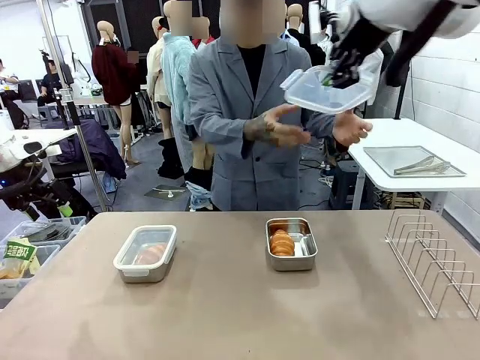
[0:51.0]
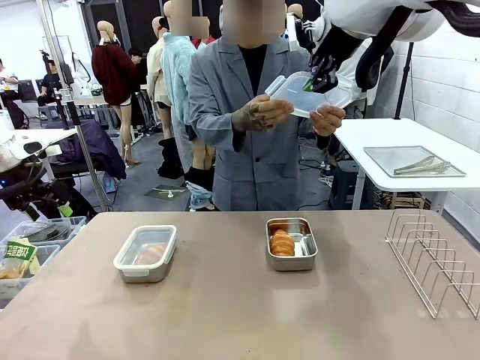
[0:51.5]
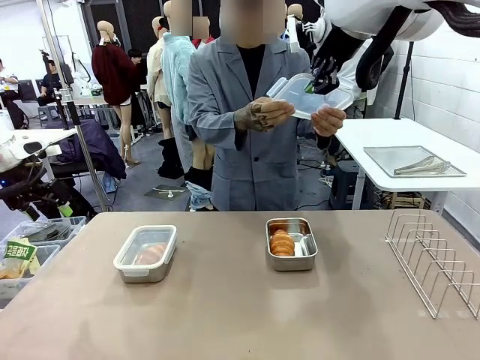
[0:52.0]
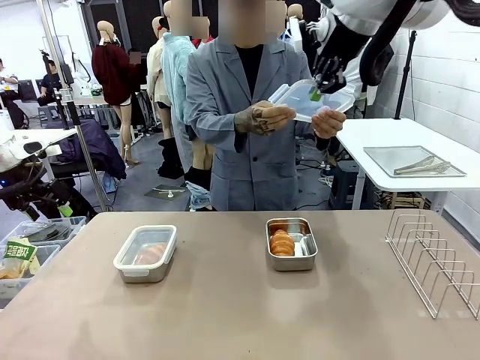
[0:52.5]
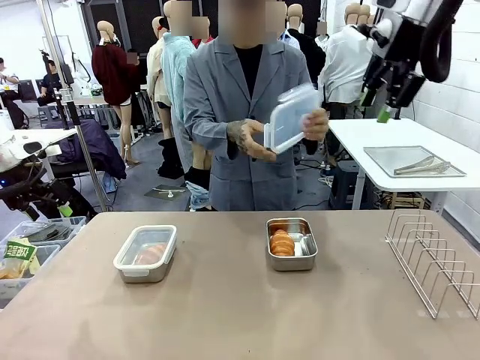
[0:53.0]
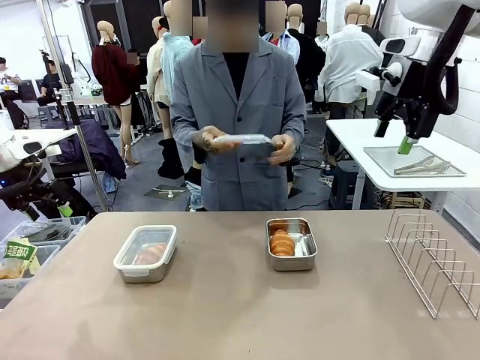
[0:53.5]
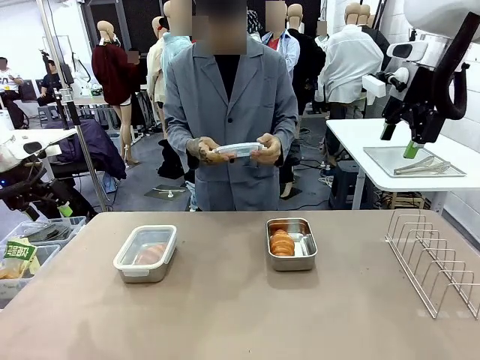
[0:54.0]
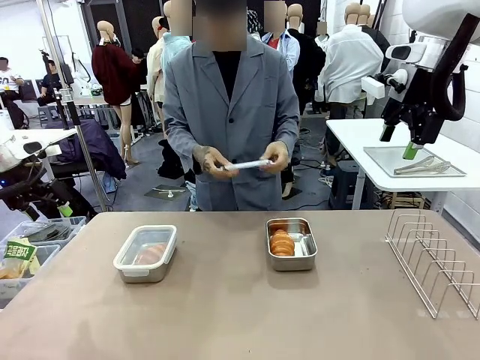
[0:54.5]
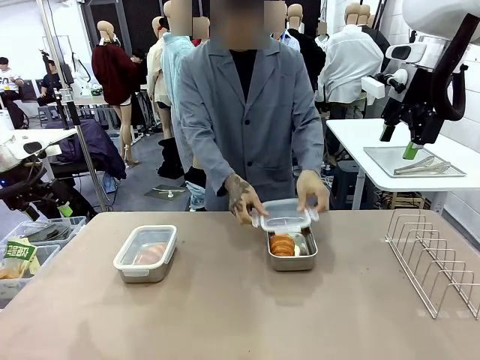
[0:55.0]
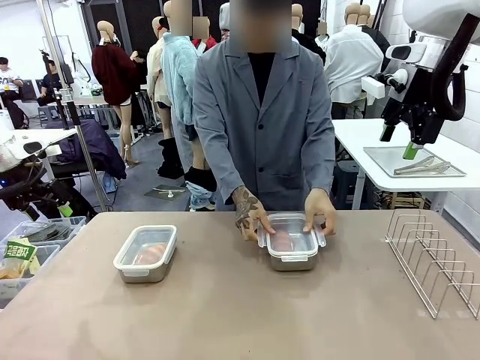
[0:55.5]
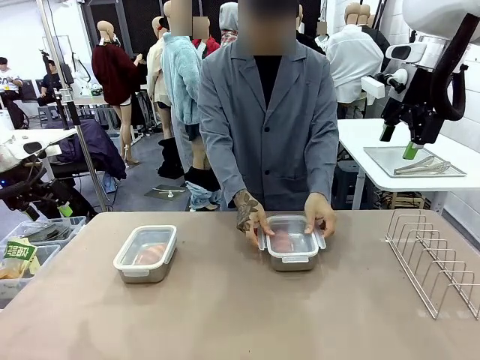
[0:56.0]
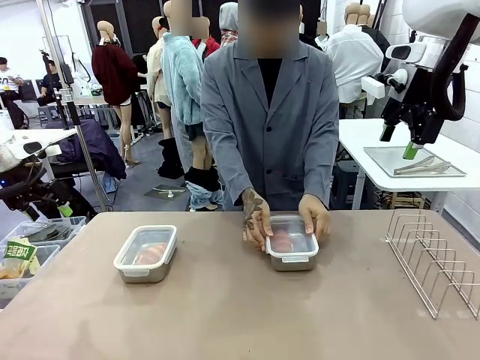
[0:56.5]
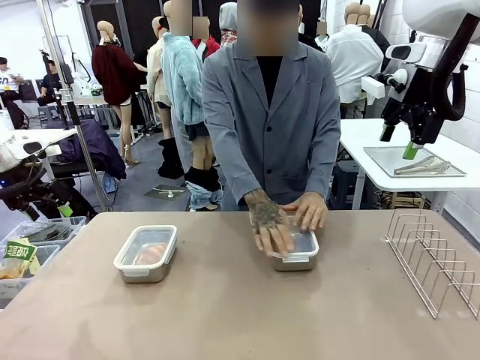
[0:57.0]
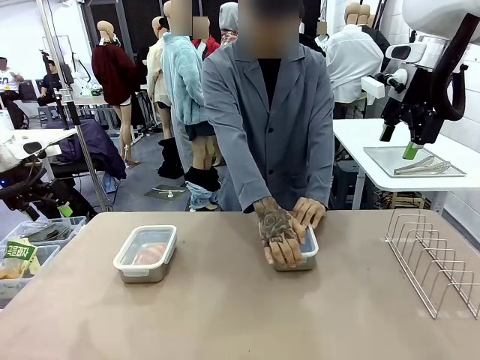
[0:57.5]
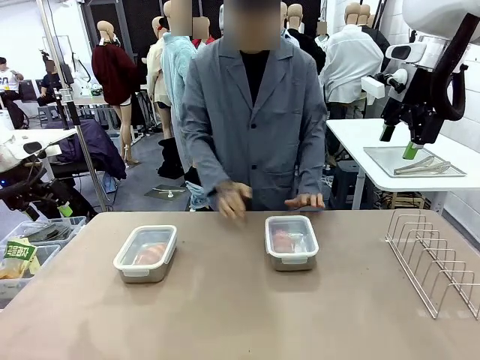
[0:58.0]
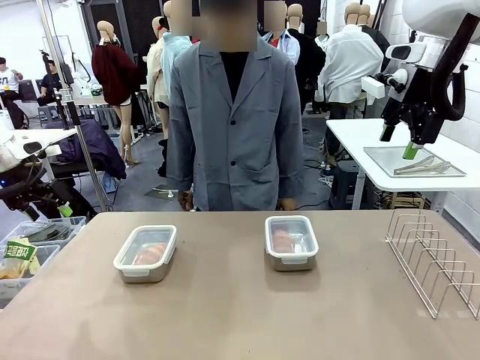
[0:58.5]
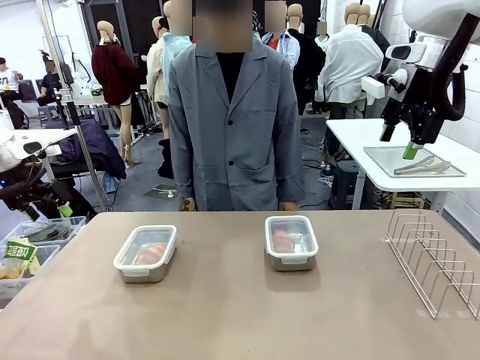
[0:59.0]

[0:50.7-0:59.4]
Task: Place the bread in airtight containers.
Robot: Release when the human grabs the Airtight Container lid.
Person: Close Airtight Container with a handed Airtight Container lid.

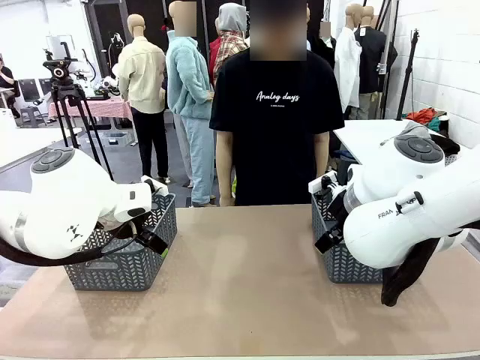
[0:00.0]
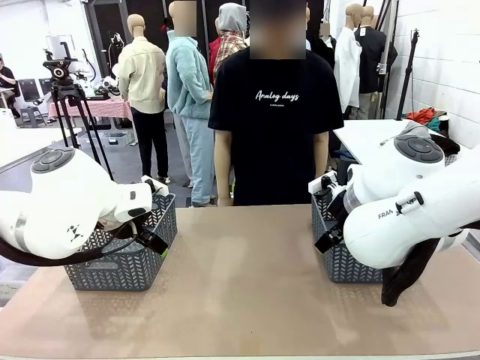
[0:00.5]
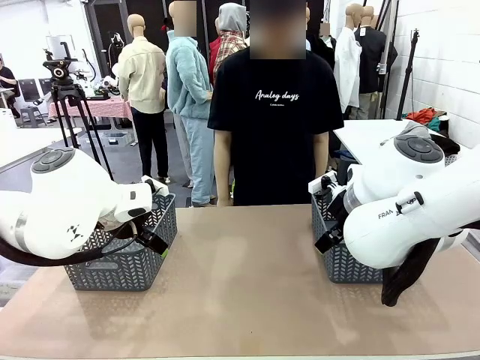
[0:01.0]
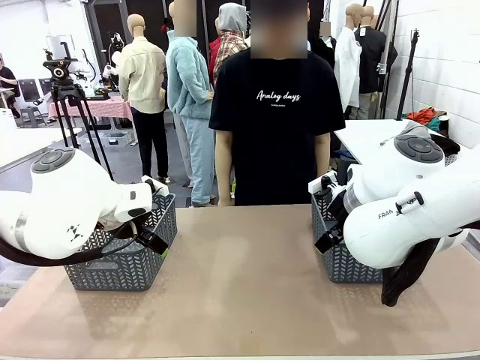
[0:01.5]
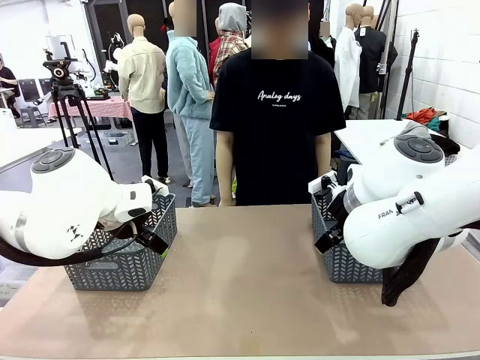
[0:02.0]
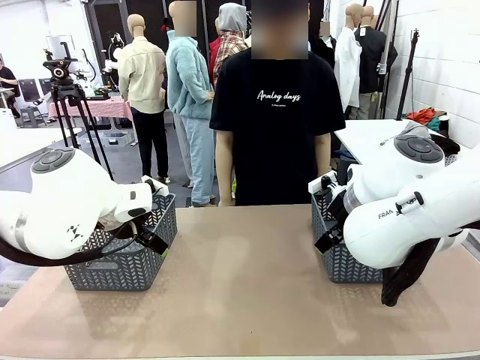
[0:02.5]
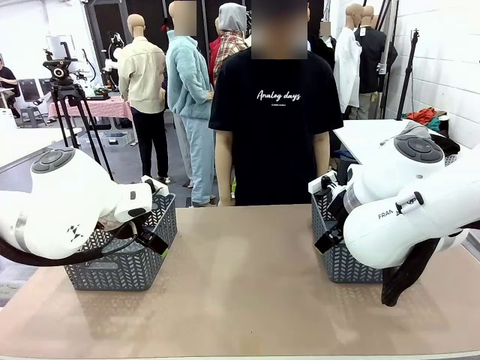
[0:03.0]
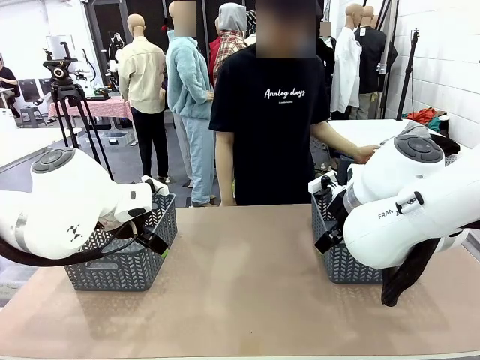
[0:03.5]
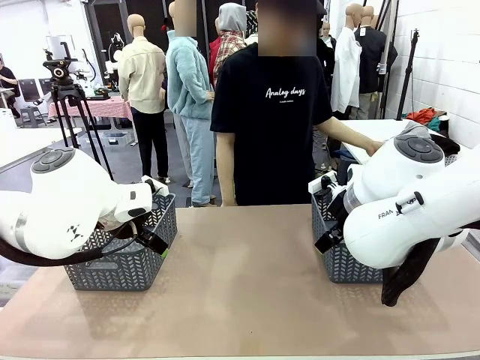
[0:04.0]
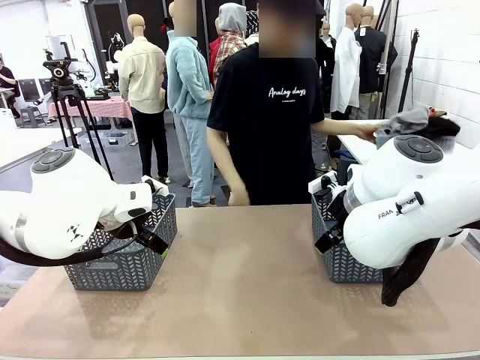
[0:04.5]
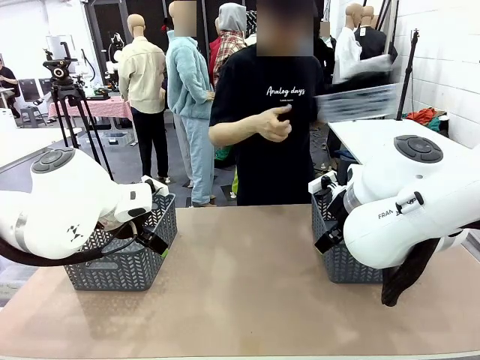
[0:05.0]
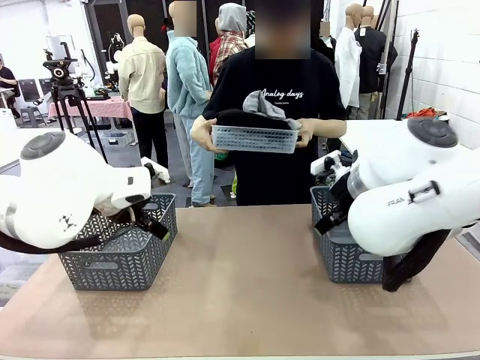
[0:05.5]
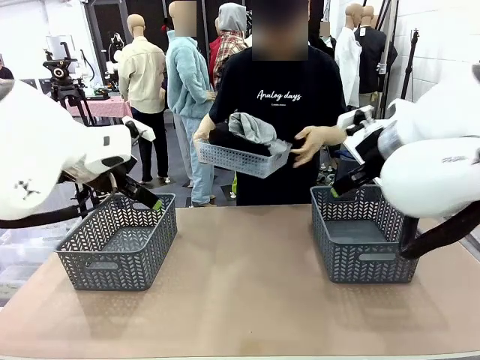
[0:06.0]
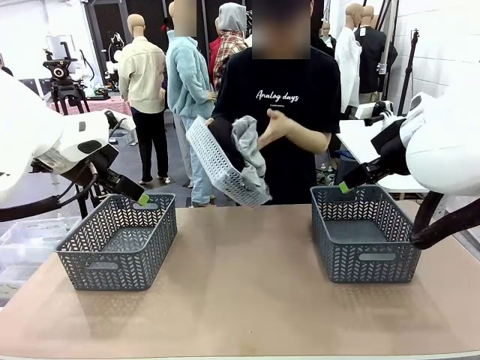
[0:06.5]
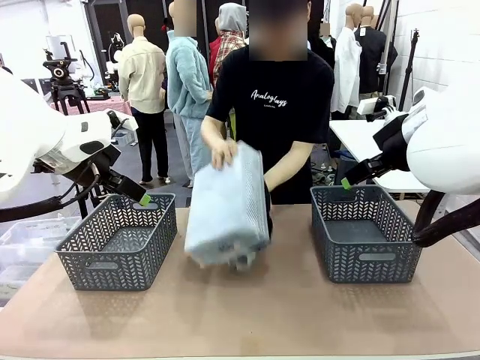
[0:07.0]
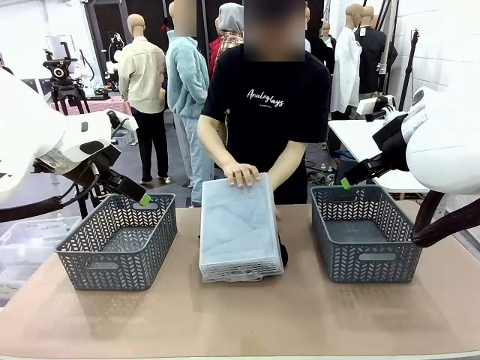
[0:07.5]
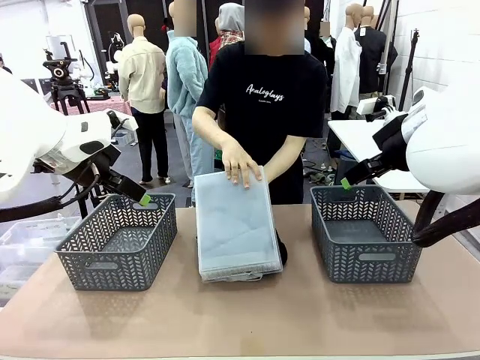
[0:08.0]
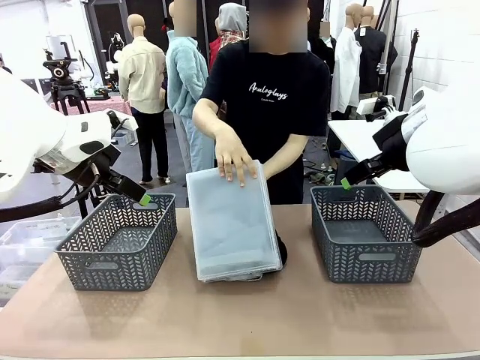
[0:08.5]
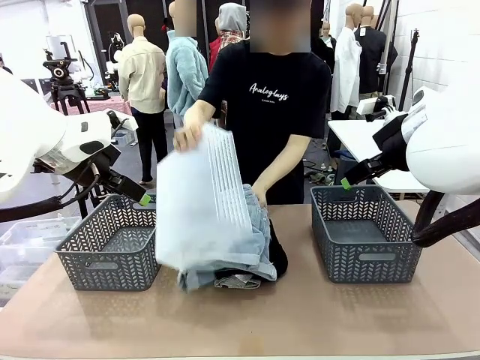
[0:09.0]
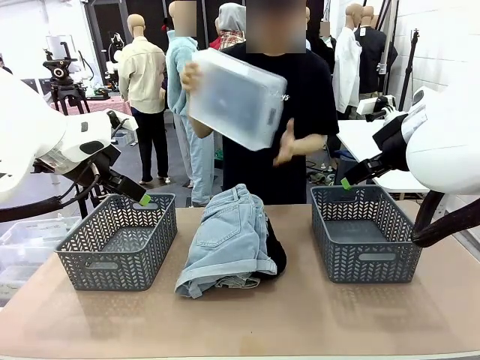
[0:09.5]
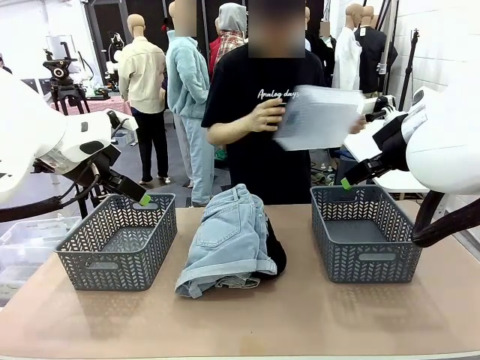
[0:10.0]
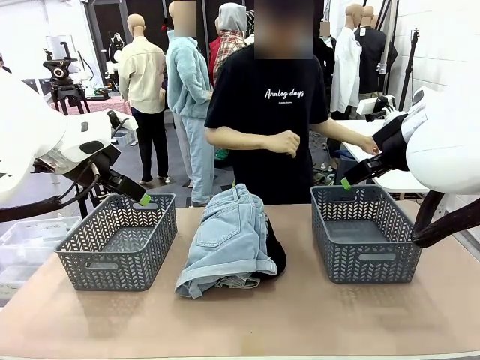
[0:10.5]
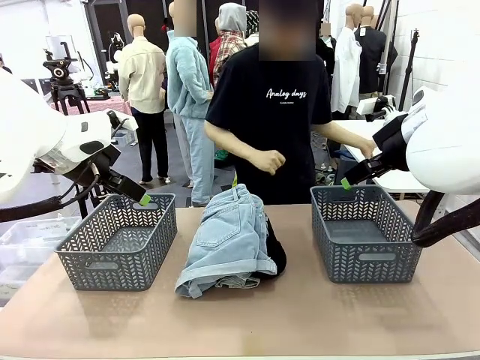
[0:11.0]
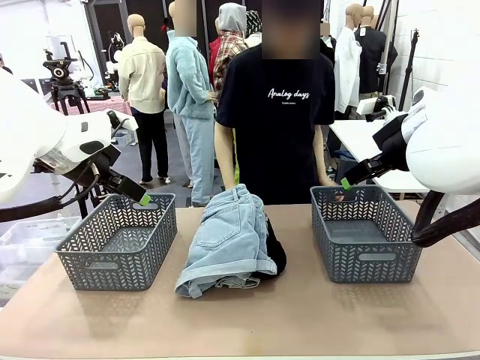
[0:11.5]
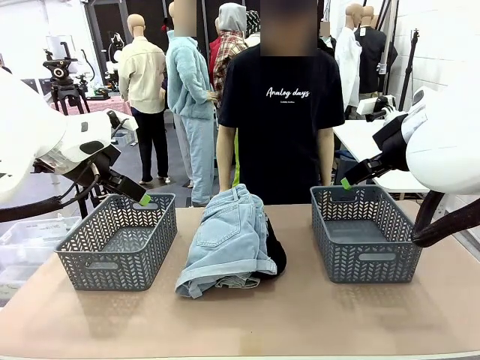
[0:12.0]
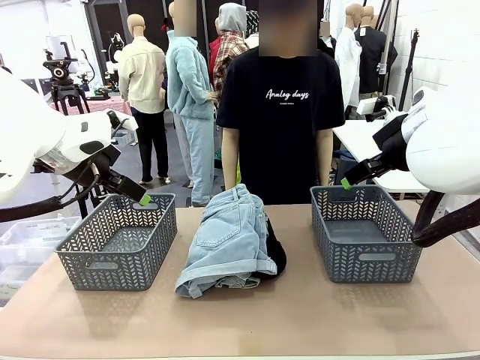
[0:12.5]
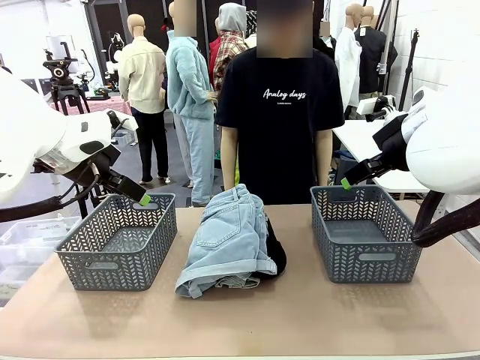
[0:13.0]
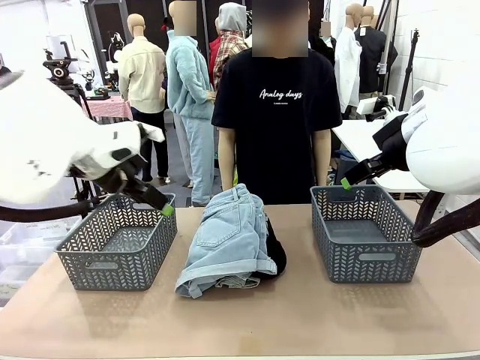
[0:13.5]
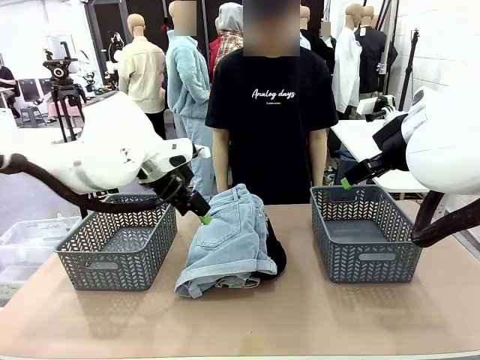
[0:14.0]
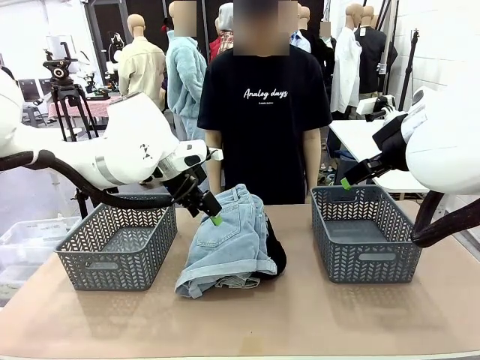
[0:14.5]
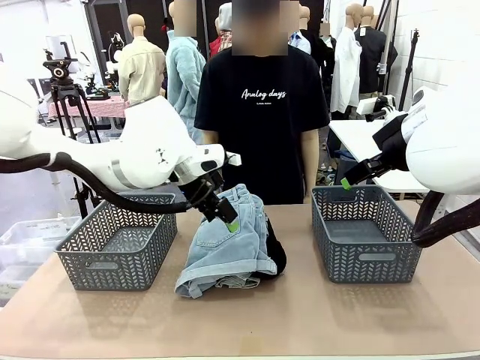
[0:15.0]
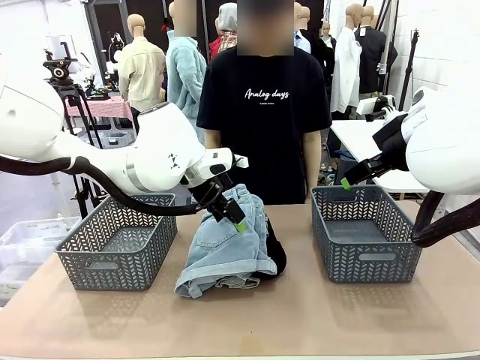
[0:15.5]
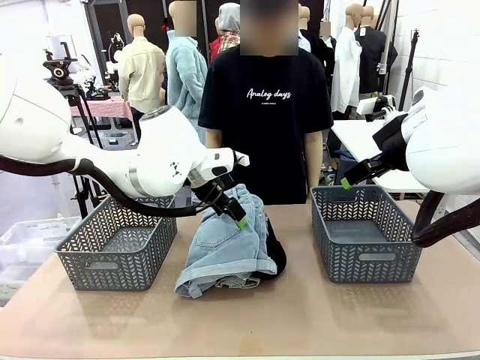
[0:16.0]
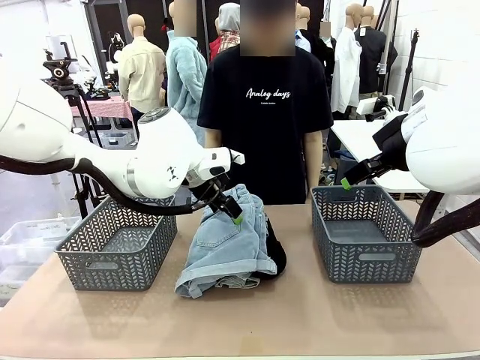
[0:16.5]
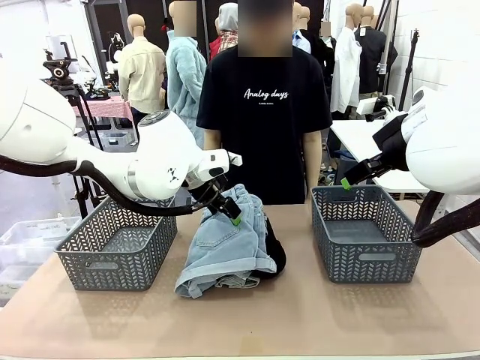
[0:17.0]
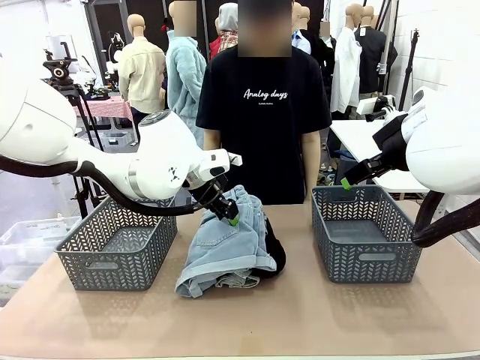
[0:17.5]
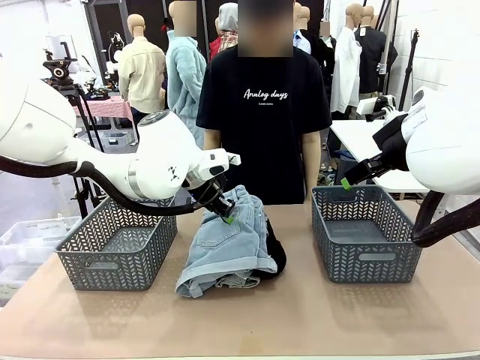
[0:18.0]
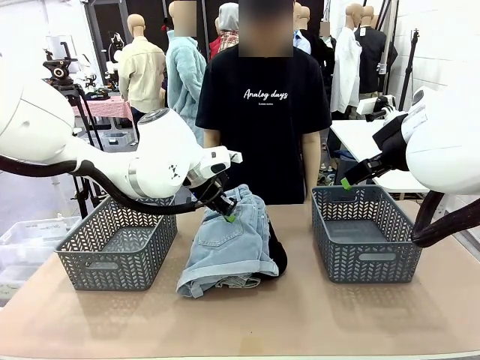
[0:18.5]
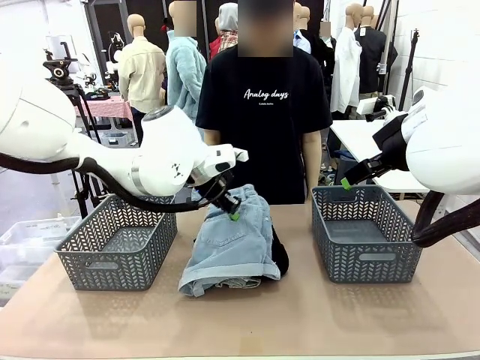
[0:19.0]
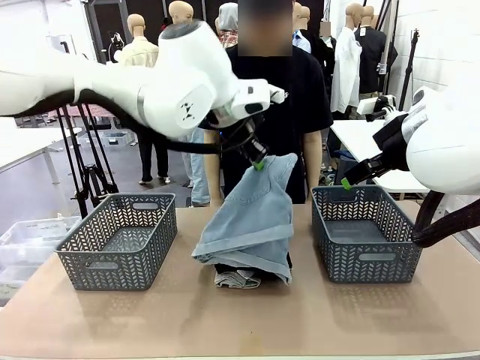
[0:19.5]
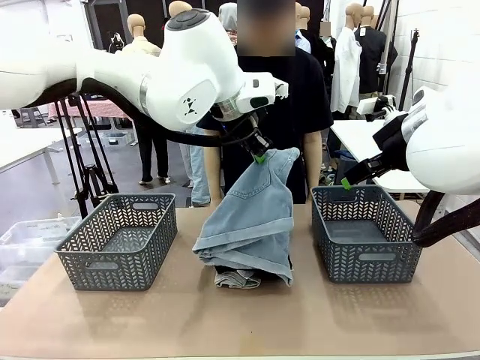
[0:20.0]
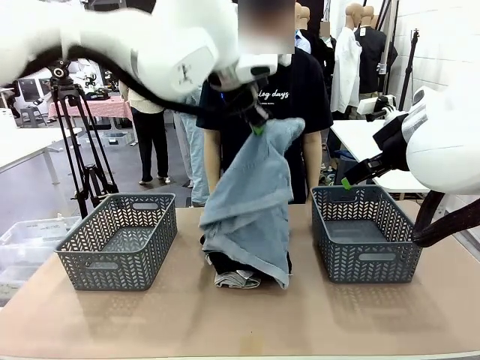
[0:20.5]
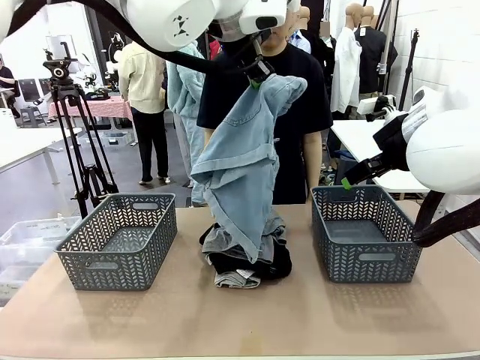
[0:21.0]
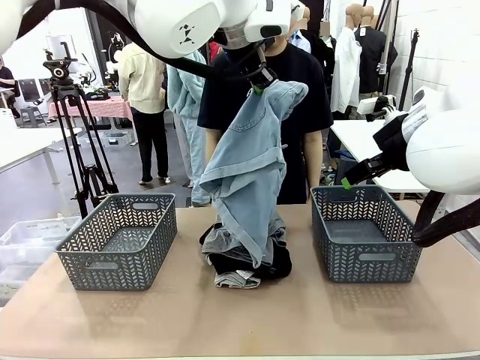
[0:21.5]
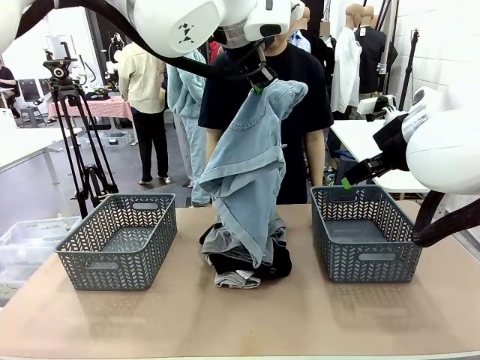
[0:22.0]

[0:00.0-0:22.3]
Task: Sort the tops and bottoms.
Robot: Lift clothes from the center of the table with your left hand.
Person: Pour the clothes from the basket onto the center of the robot table.
